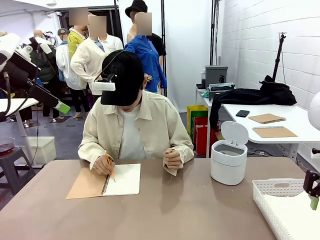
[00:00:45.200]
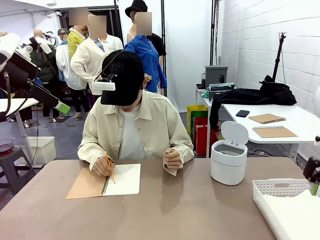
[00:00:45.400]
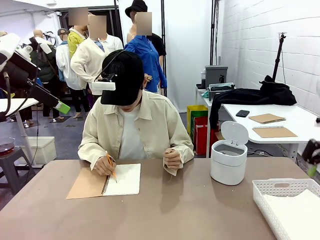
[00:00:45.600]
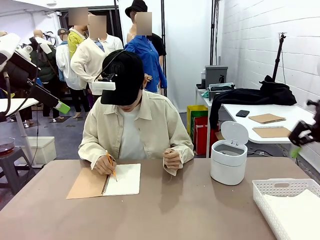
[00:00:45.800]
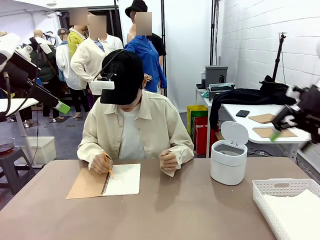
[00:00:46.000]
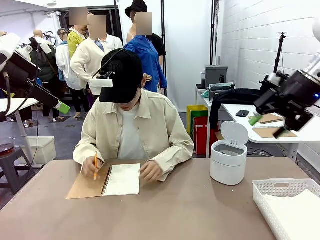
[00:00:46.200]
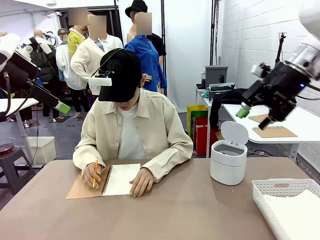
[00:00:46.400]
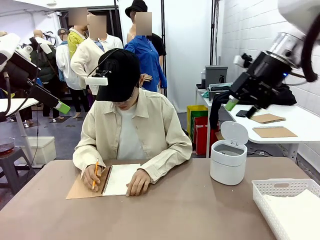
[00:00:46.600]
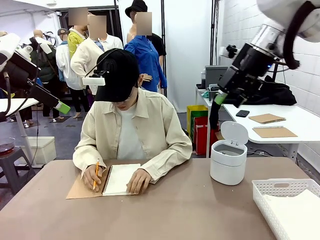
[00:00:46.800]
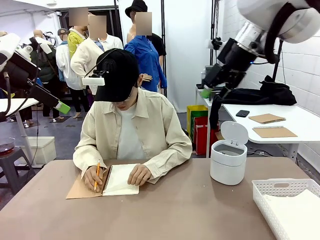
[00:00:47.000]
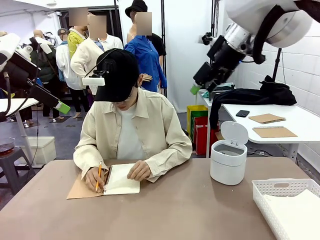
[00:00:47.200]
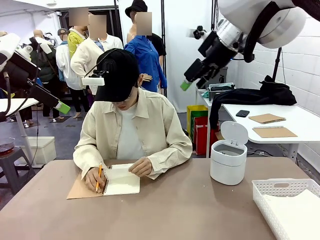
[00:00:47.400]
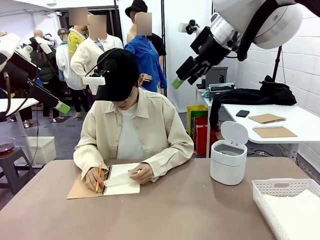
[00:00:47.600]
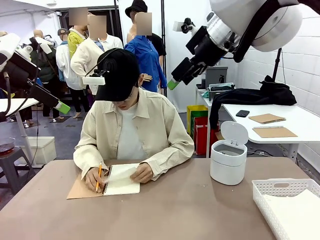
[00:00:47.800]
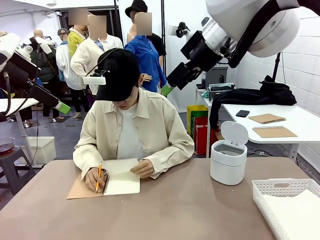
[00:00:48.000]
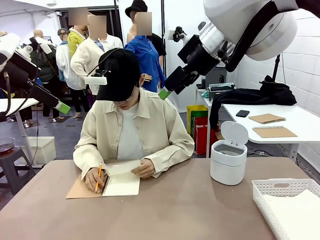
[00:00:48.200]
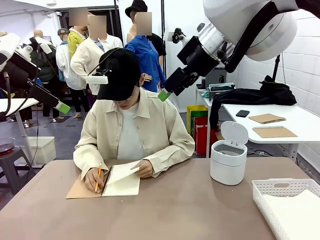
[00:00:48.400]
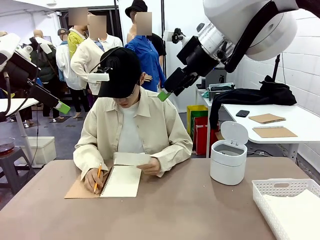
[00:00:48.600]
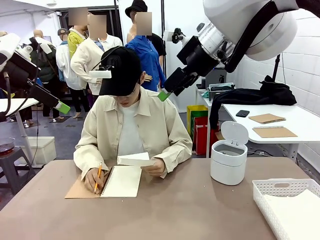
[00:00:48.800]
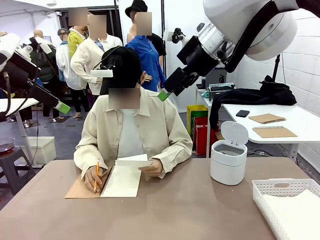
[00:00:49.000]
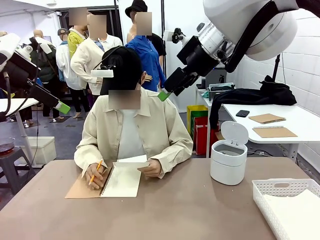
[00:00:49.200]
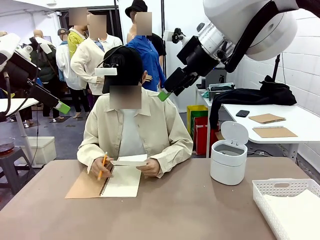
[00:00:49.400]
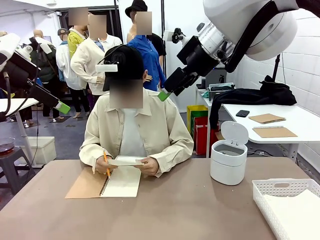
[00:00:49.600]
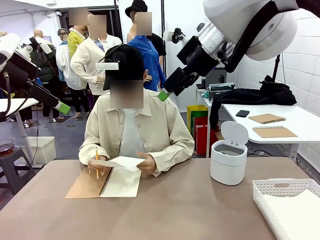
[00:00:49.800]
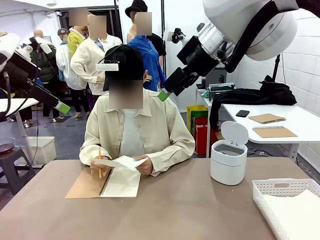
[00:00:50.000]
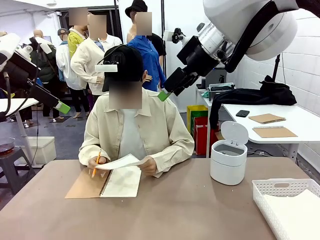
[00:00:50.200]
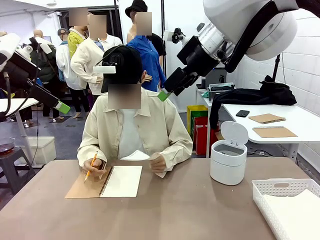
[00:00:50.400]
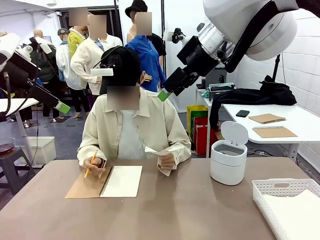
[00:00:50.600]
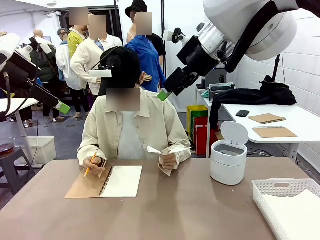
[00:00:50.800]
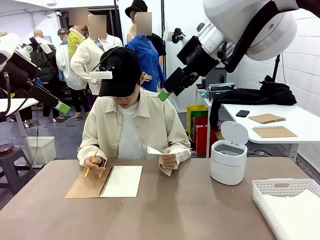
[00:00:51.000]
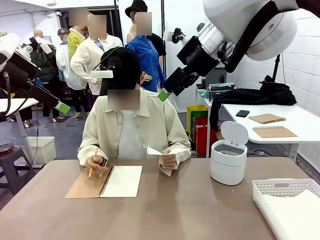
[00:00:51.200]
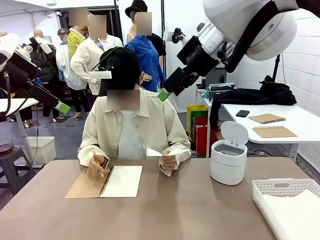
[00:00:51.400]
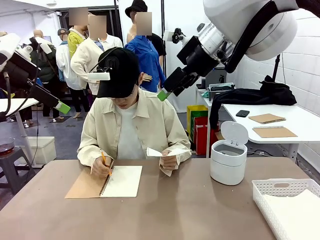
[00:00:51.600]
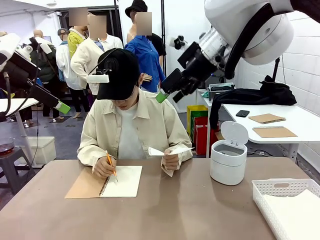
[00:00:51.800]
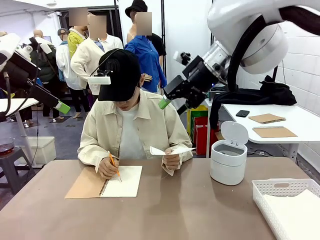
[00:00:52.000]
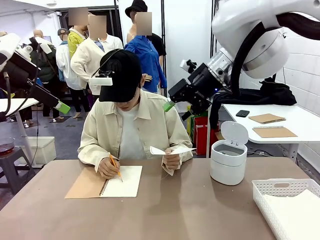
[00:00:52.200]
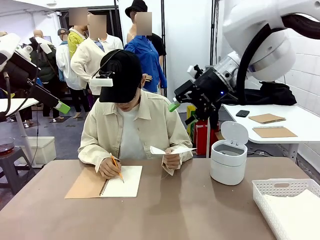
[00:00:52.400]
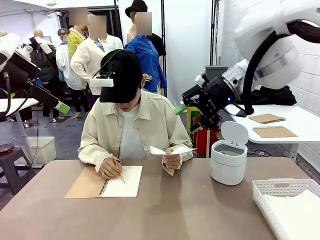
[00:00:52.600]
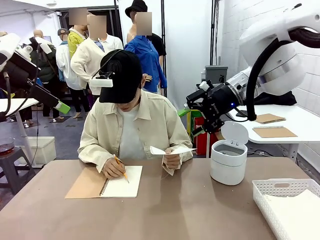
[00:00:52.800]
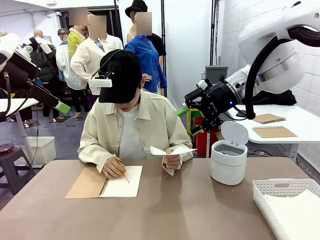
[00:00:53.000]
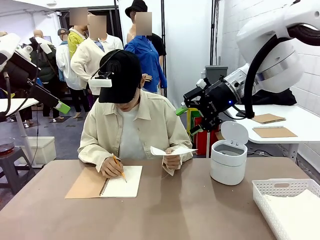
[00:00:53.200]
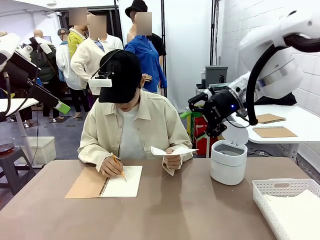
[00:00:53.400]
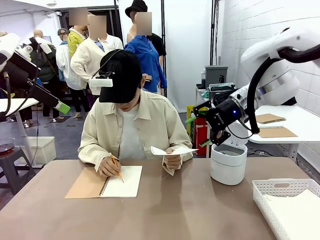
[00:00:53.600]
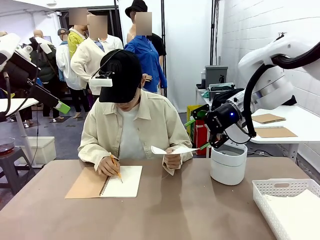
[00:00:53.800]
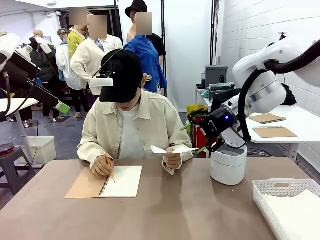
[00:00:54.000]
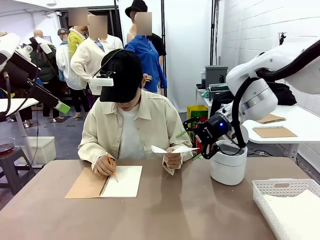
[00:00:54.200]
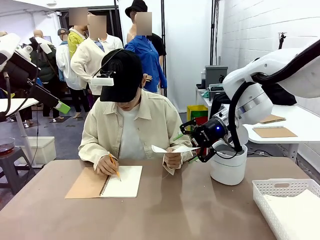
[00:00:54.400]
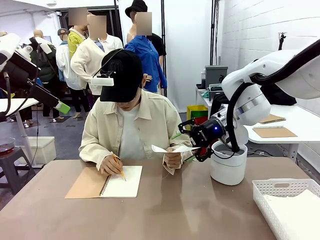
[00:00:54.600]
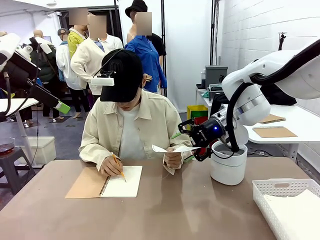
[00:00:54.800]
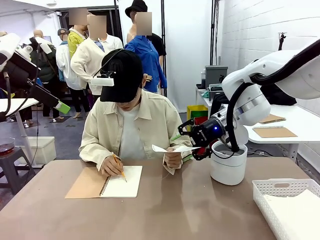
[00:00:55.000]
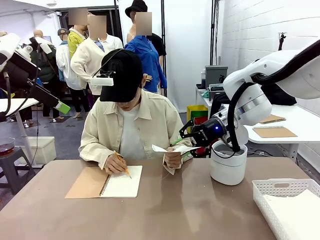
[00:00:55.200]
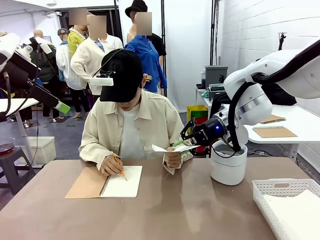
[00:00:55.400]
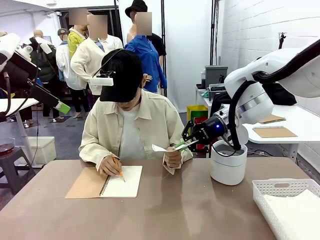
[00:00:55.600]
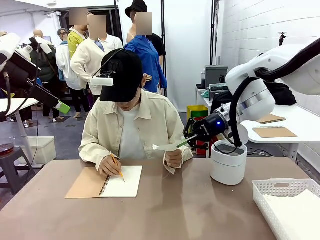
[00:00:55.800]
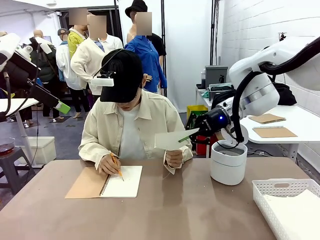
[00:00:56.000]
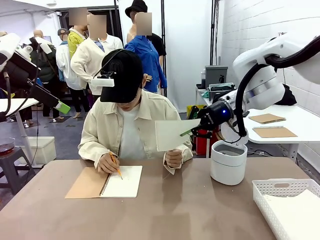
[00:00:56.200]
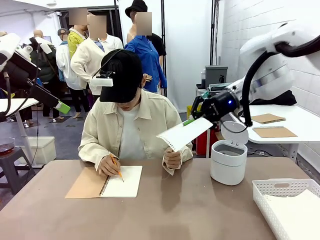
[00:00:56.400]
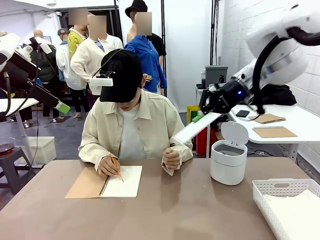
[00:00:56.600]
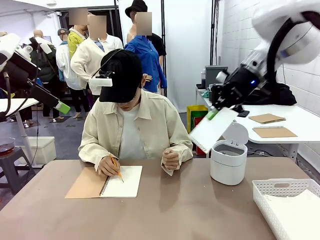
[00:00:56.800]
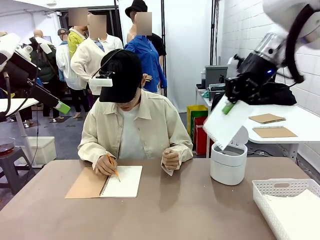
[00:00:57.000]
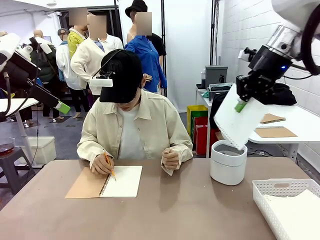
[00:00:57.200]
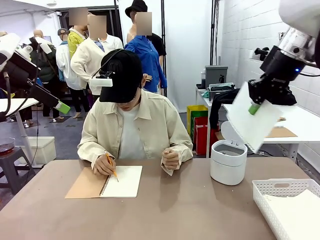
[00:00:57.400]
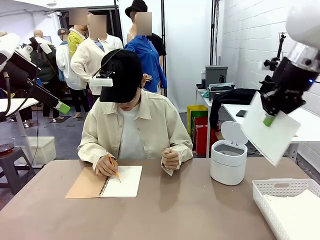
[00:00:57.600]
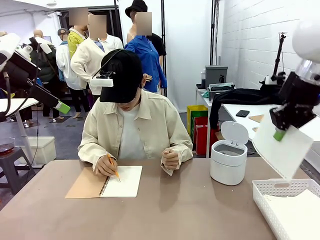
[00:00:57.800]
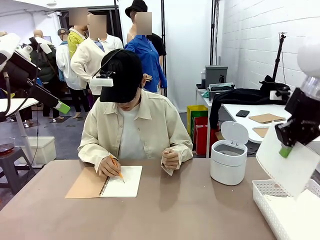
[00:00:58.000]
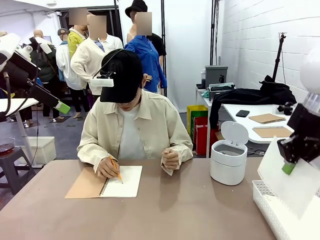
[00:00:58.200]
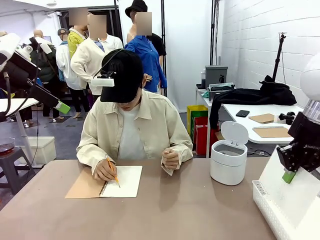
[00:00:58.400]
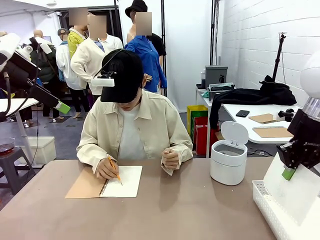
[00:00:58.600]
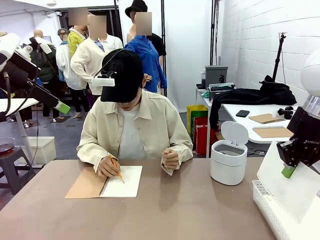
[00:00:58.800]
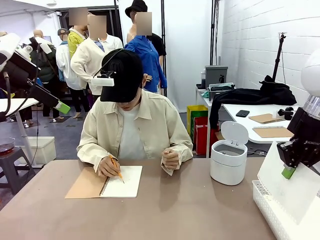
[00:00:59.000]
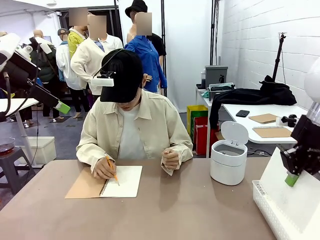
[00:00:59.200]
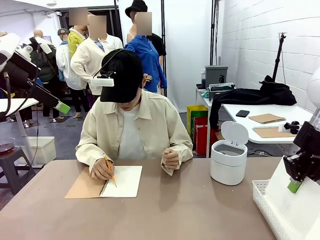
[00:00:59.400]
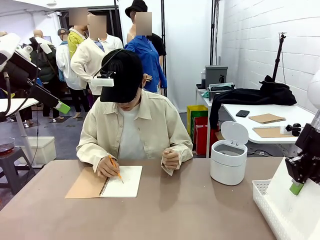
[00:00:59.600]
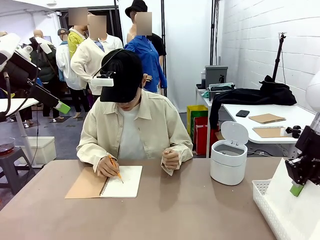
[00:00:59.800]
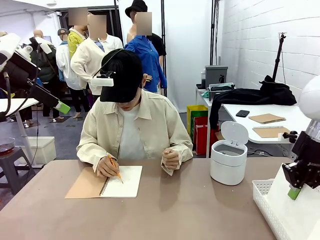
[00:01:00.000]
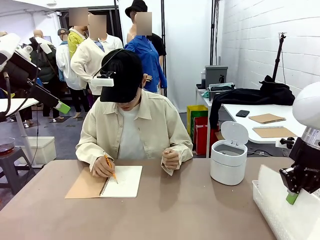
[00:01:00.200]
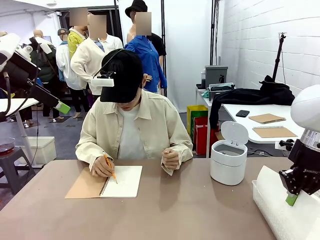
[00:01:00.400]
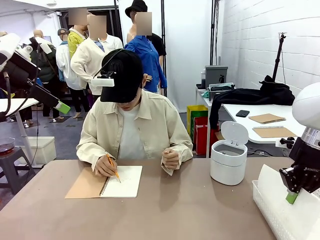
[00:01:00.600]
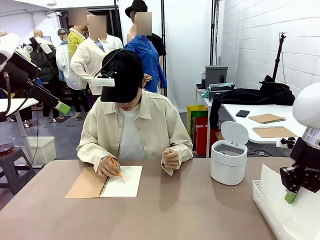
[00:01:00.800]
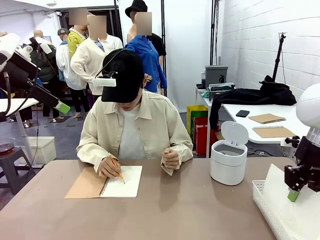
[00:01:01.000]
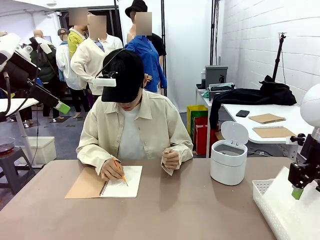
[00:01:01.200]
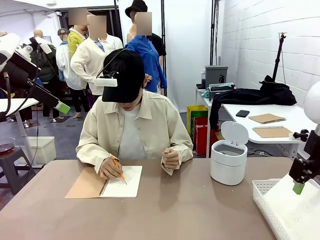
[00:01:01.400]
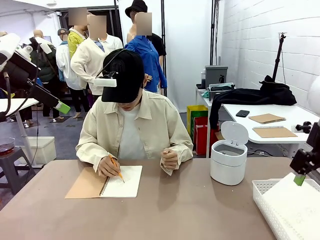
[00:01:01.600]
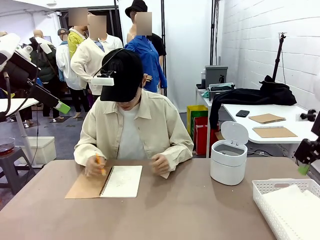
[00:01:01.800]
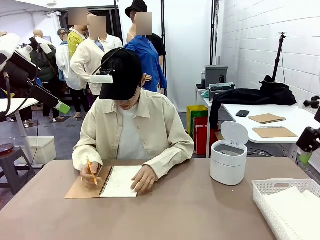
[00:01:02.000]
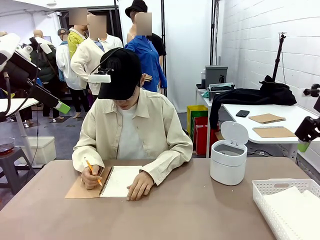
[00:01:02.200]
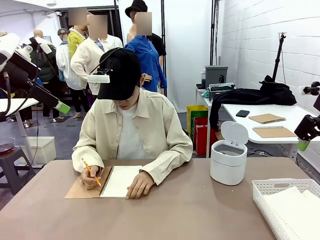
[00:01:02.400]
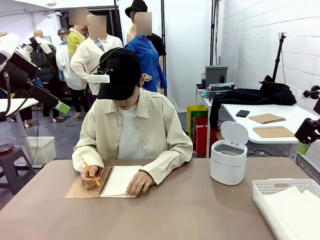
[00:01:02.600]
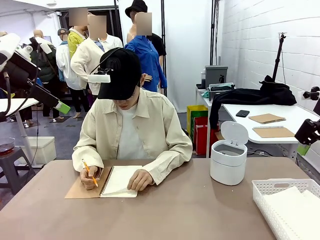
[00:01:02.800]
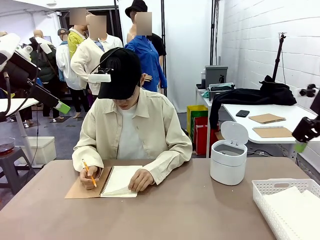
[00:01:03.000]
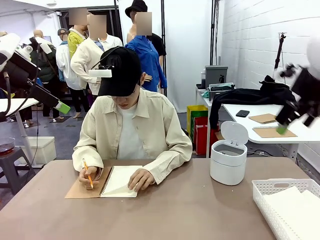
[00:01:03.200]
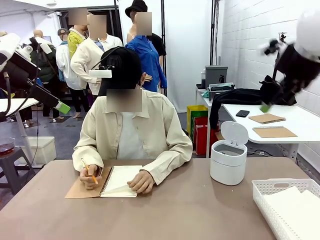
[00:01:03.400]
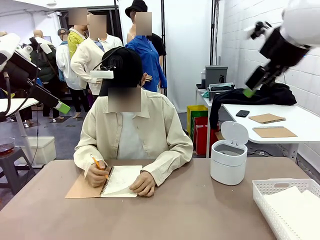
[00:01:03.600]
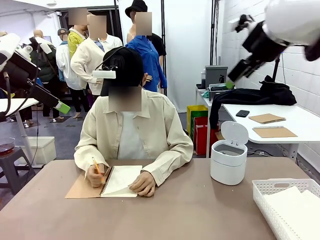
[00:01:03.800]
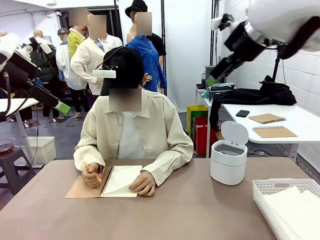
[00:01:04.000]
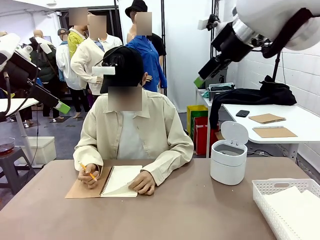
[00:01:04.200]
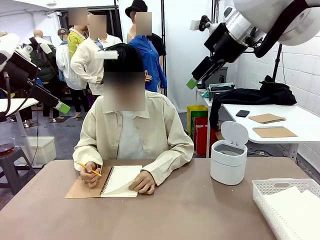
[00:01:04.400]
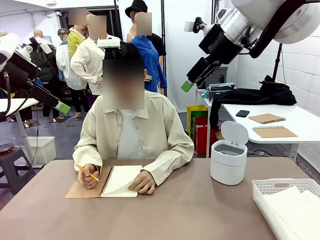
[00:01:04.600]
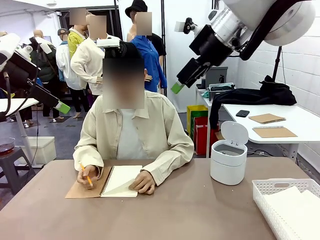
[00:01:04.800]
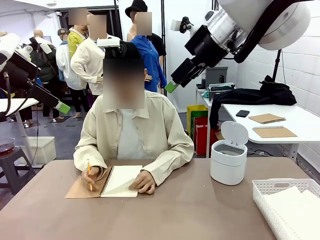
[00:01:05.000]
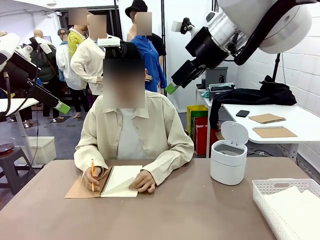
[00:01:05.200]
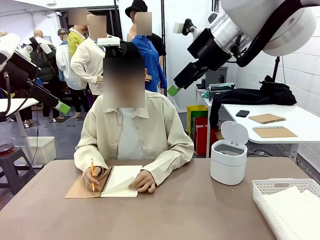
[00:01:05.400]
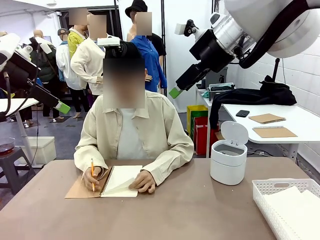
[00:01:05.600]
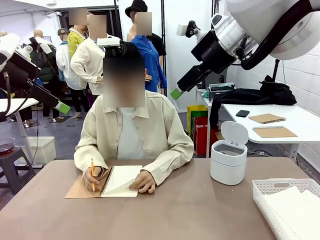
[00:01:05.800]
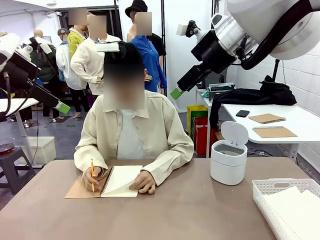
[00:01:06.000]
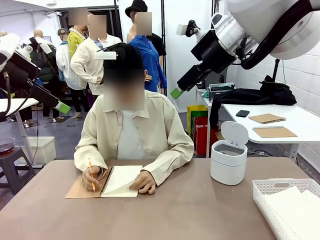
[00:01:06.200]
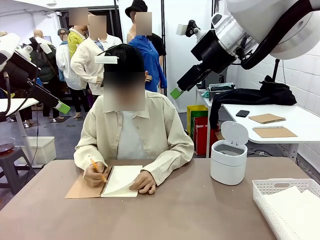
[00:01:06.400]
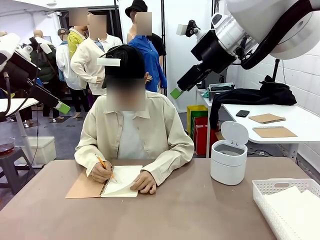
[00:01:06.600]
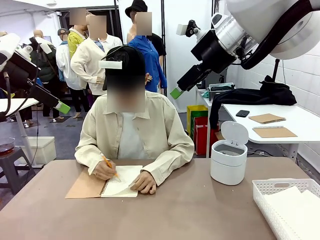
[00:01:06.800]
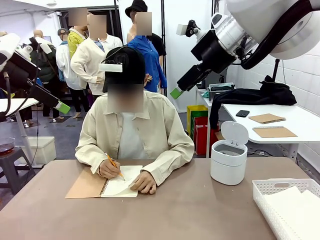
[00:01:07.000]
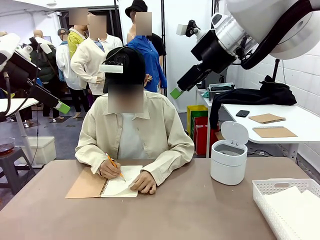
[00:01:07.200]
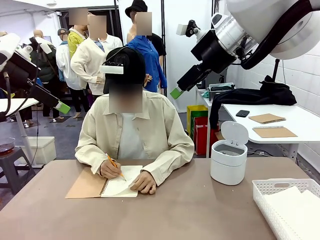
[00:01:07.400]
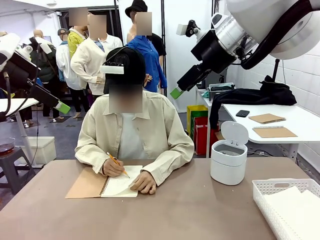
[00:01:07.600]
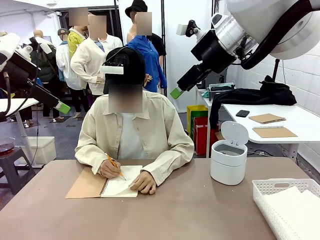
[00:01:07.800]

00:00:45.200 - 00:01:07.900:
Task: Sort the paper based on its condition.
Robot: If a person hands you a paper, place it in the Organizing basket , and if it's crumpled, put it in the Trash can.
Person: Hand the torn page to the robot or crumple it and throw it to the center of the table.
